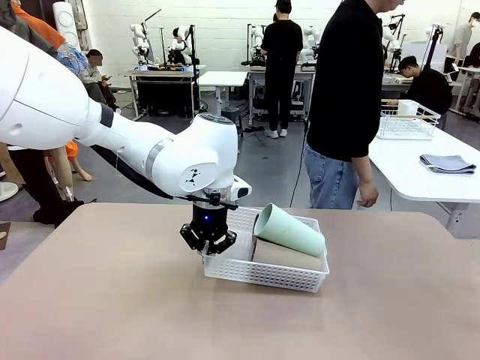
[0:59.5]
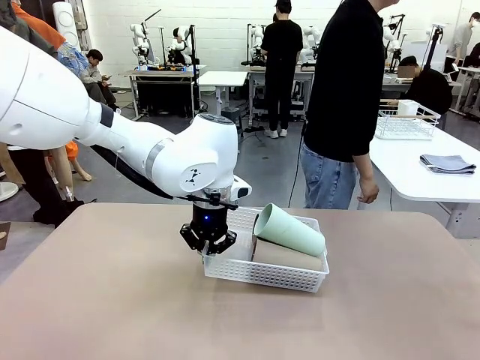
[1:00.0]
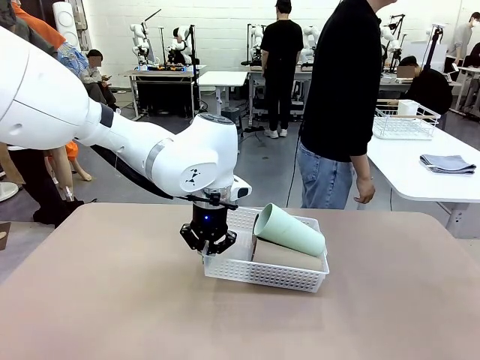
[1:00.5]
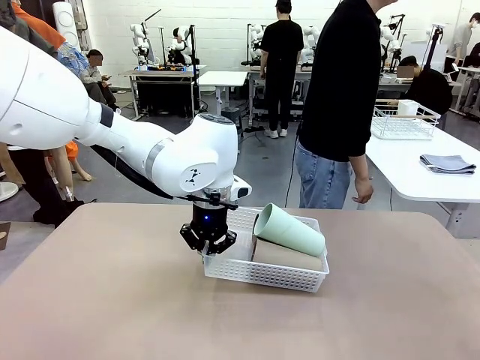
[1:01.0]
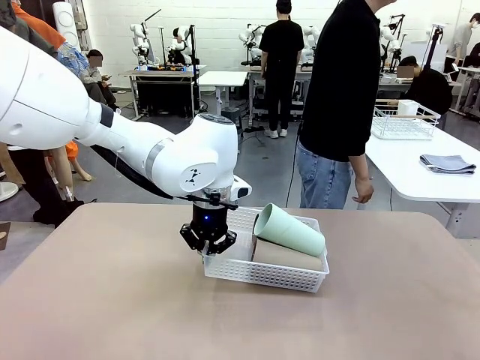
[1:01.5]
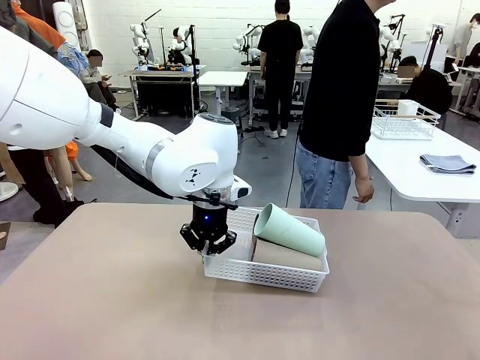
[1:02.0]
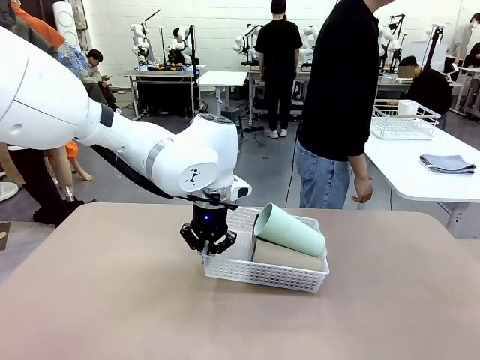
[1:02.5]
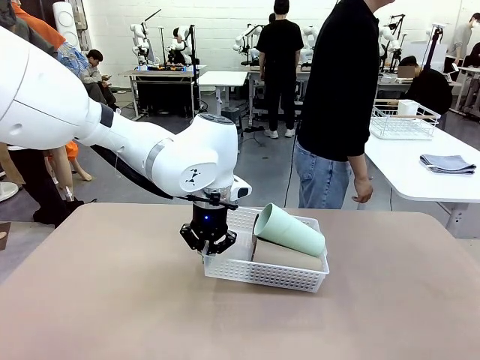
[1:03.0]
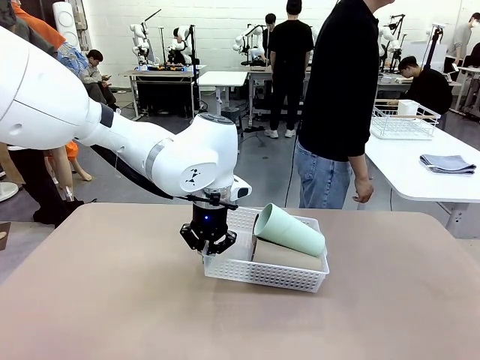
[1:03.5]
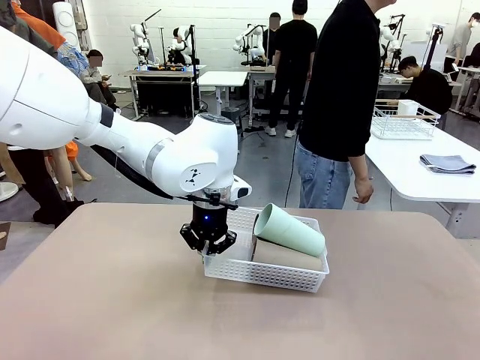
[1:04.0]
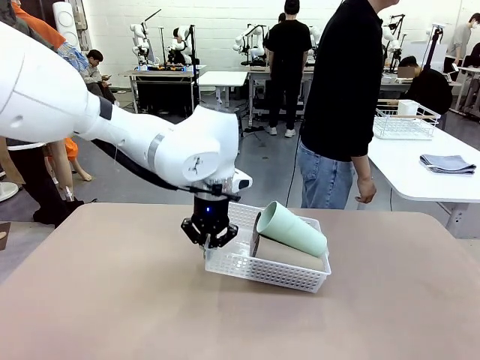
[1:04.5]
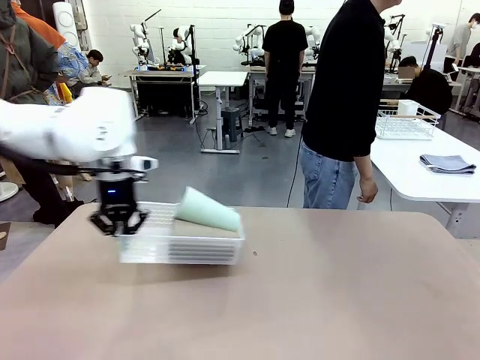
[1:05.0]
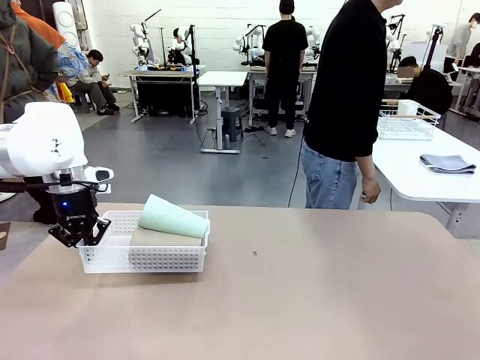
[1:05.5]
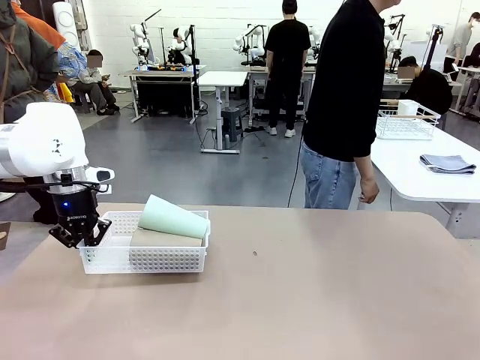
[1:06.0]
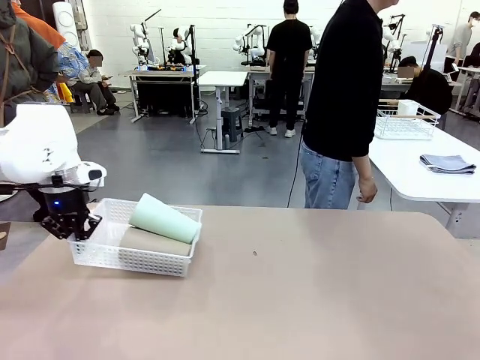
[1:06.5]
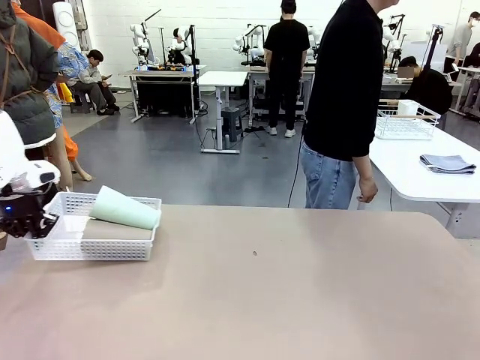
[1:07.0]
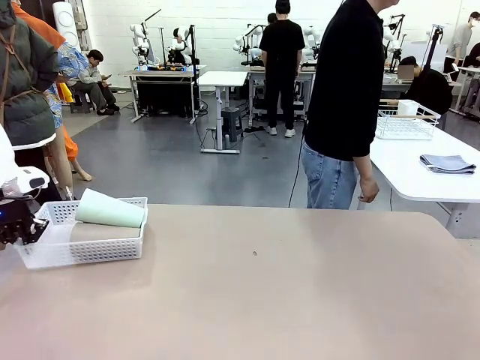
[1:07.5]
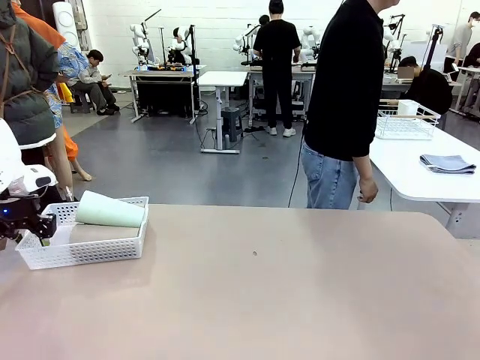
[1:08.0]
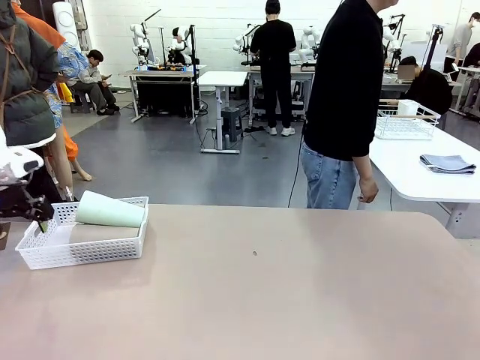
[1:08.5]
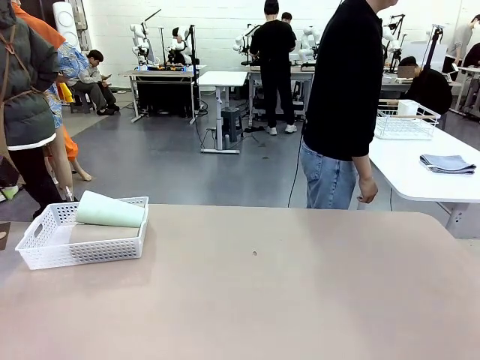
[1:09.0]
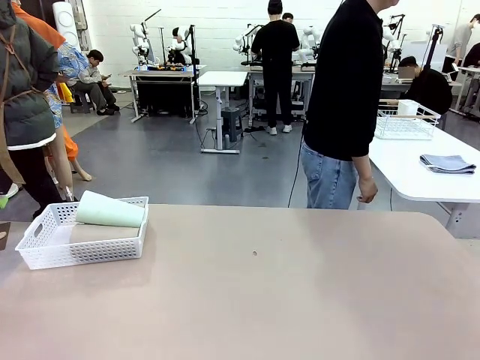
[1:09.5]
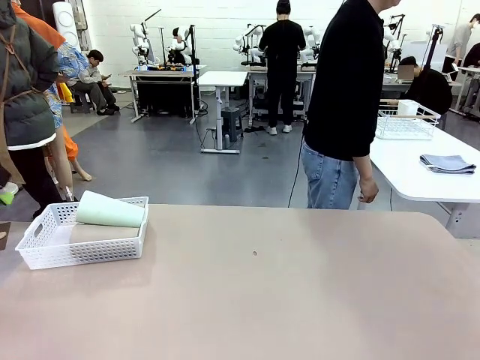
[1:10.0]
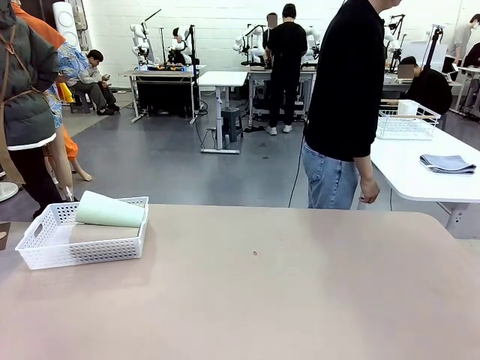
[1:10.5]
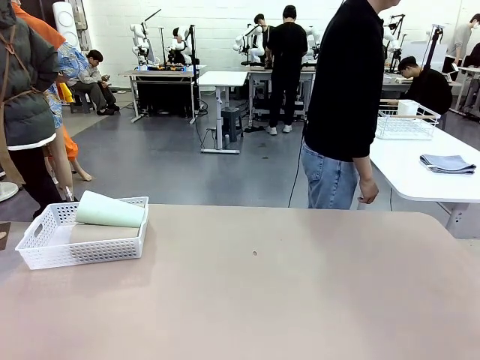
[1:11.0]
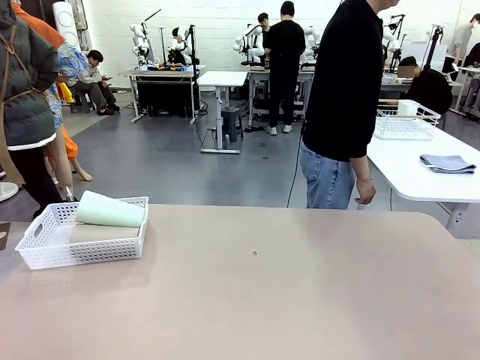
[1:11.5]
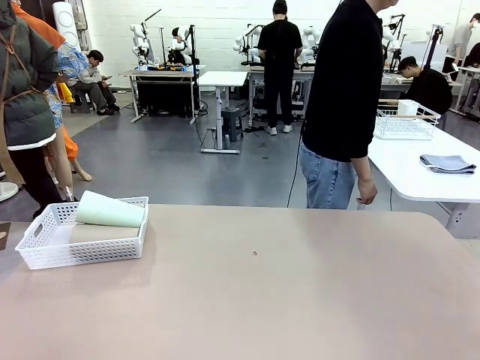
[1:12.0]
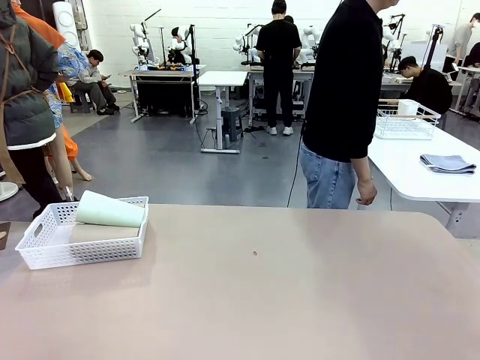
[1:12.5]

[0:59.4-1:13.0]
Task: Clean and organize the cups into the basket.
Robot: Move the Organizing basket back to the left side of the table.
Person: Folds the towel in half twice and places it in the right of the table.

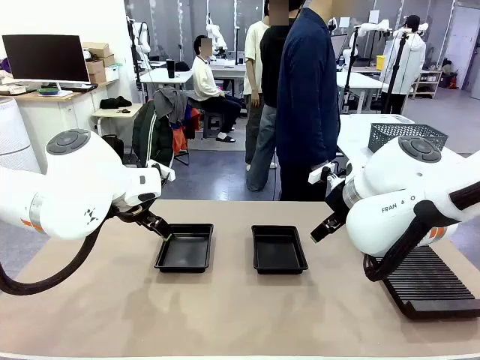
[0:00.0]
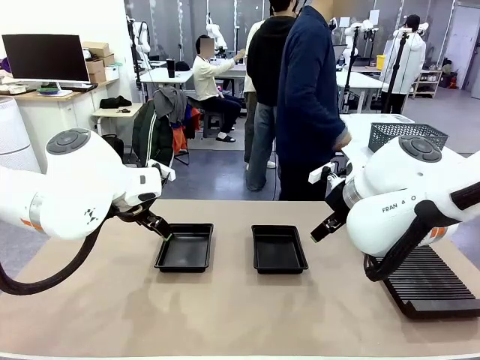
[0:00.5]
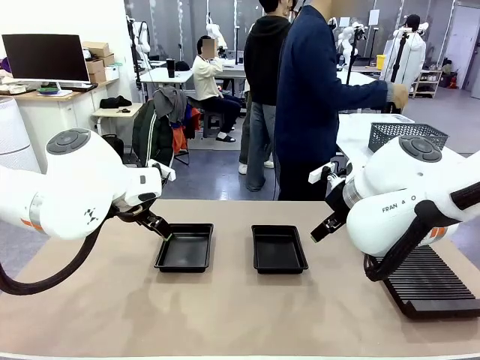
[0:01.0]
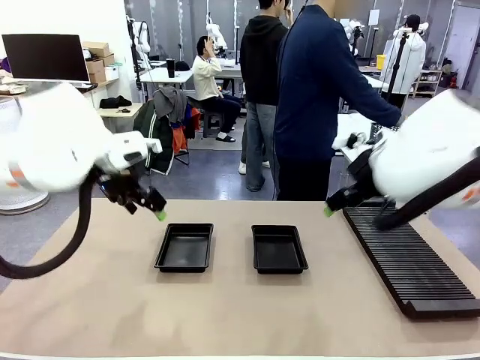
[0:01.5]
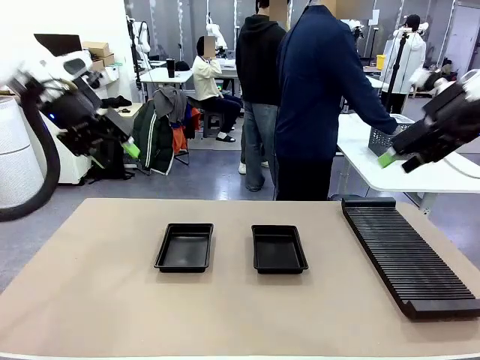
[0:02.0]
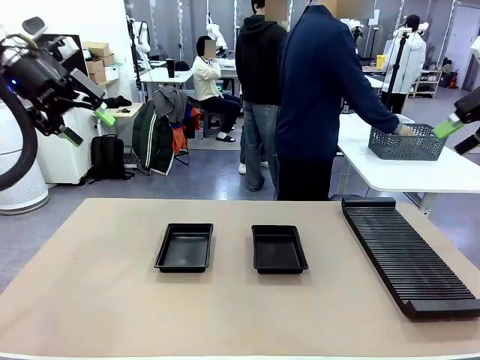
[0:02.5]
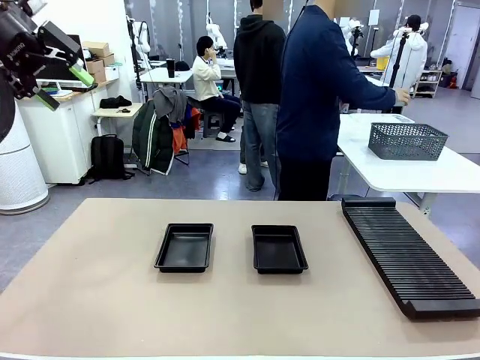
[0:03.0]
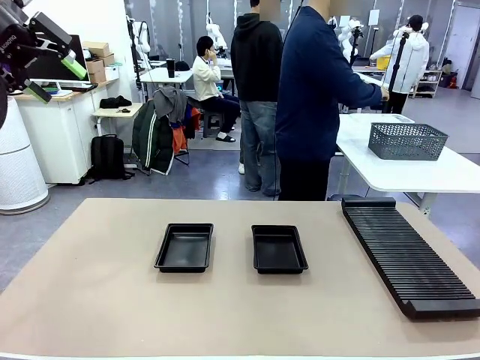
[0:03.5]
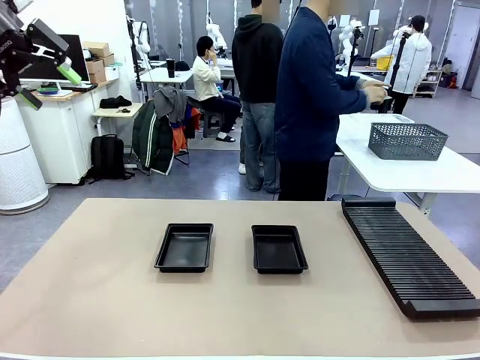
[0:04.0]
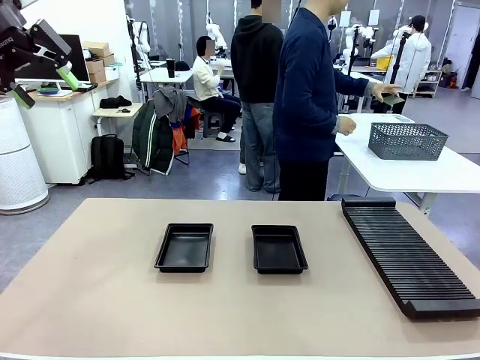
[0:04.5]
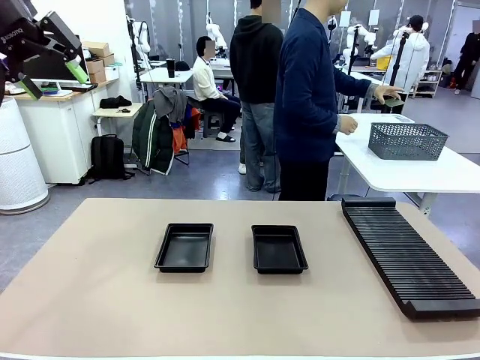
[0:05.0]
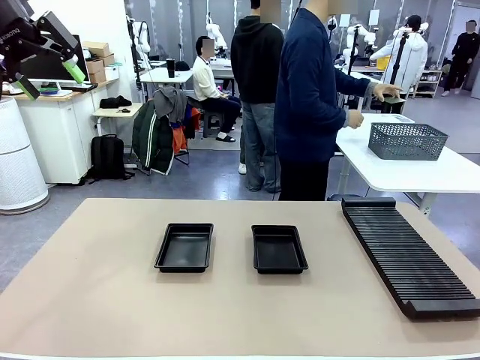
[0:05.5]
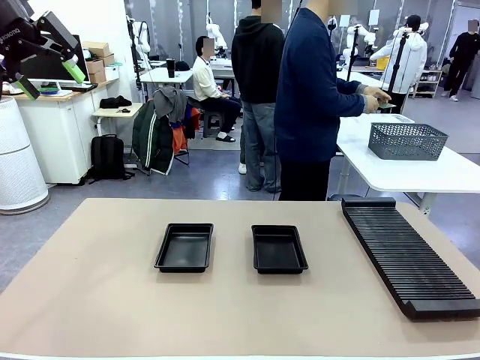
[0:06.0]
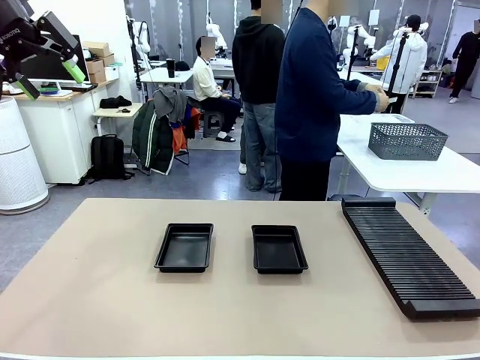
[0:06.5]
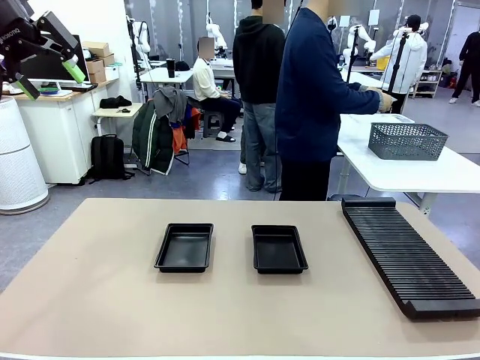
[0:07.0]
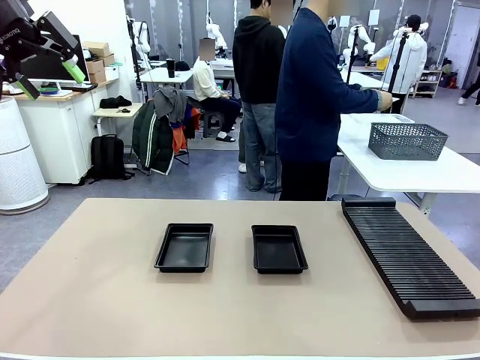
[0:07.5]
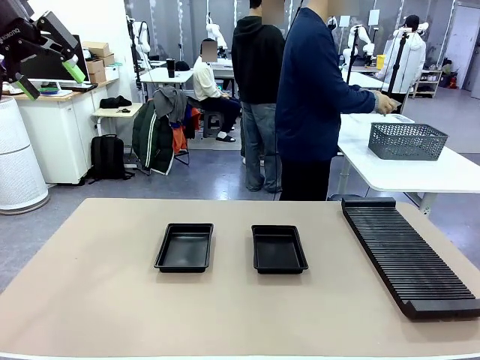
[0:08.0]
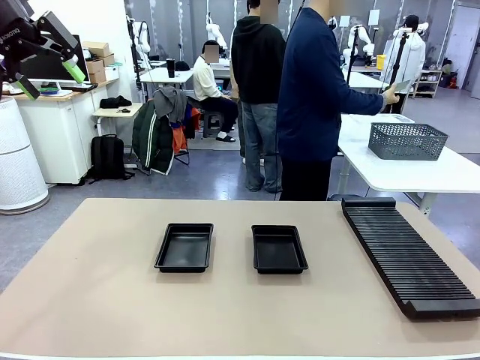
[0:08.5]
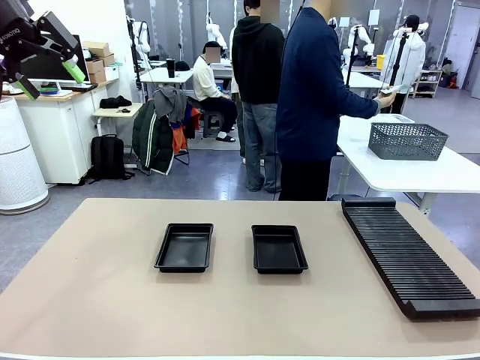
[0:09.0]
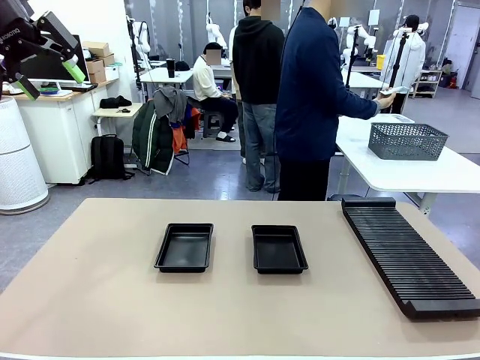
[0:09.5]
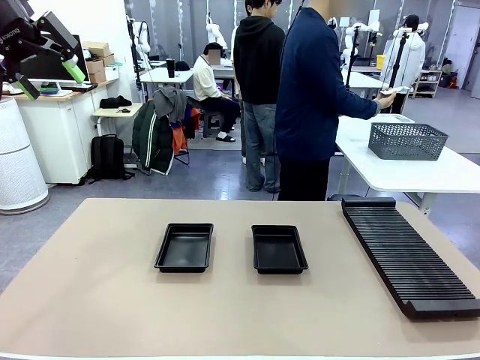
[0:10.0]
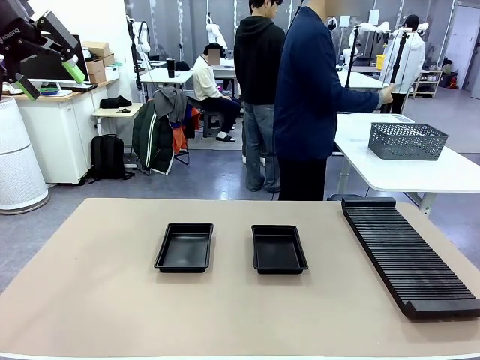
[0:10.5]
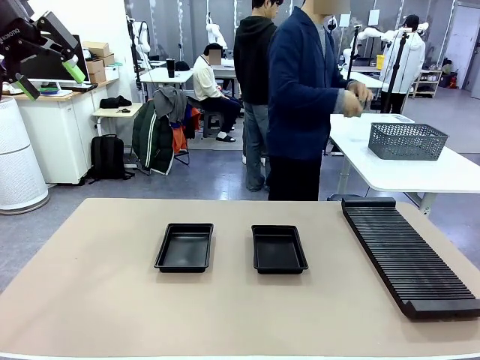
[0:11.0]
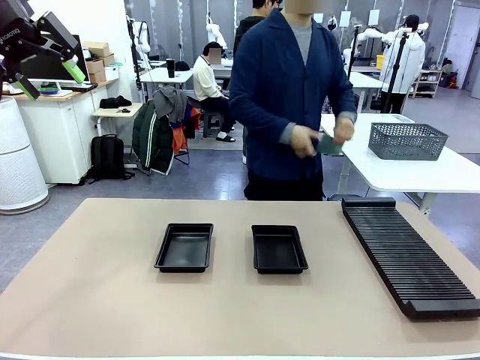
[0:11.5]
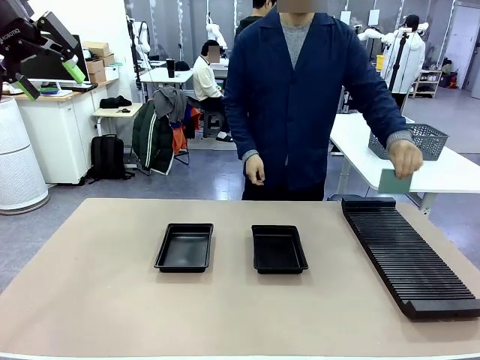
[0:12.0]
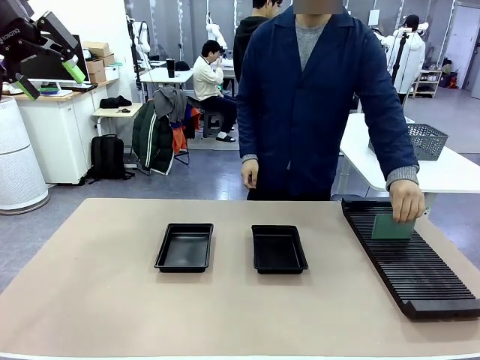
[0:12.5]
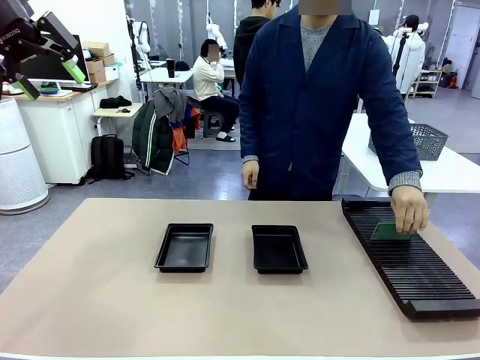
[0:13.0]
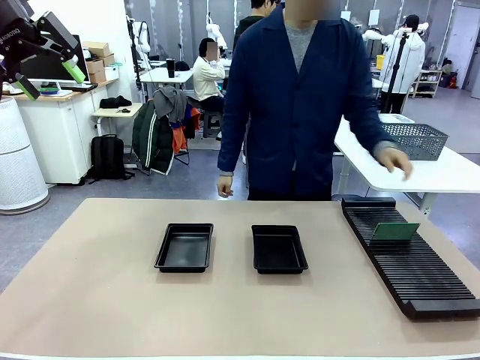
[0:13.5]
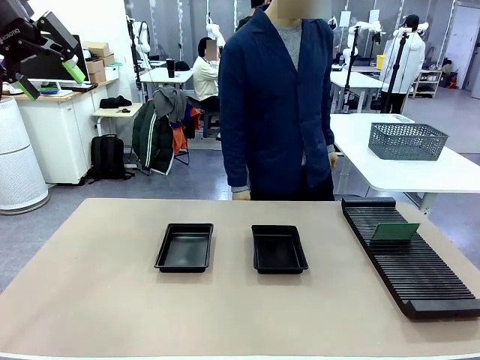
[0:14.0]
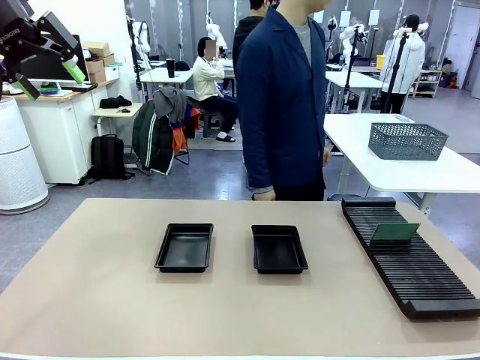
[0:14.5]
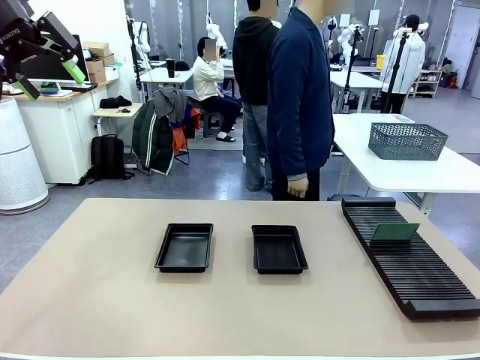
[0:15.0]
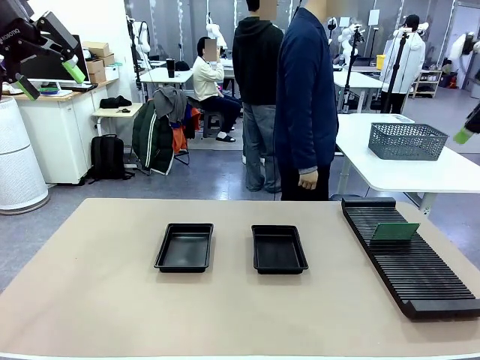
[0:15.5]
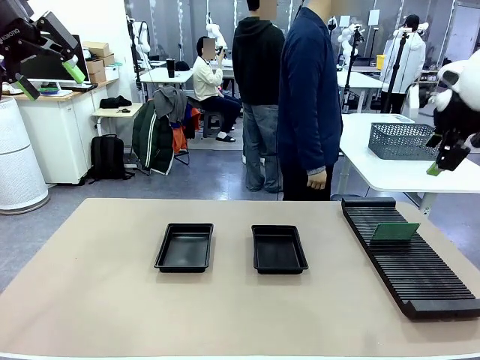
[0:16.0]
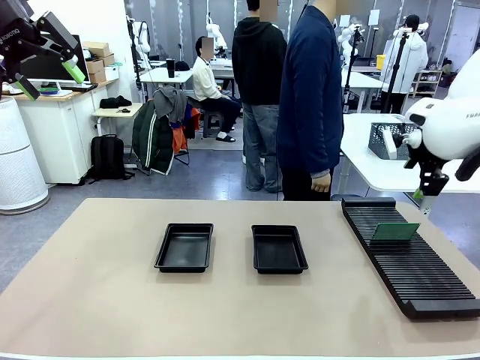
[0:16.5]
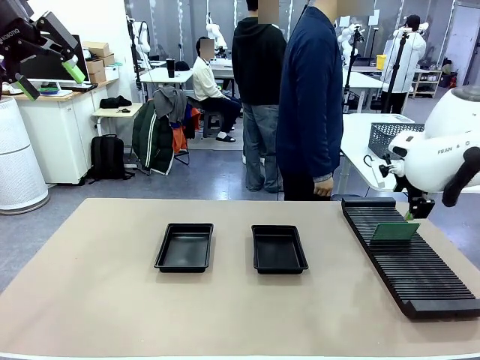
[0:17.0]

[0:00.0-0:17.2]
Task: Inspect and transfer BCBs to ESD trays.
Robot: Pick up the Blank PCB from the PCB Rack and place it in the left ESD tray.
